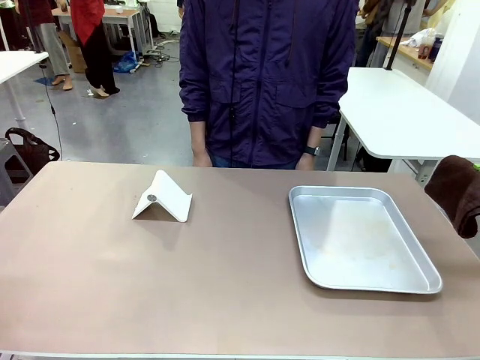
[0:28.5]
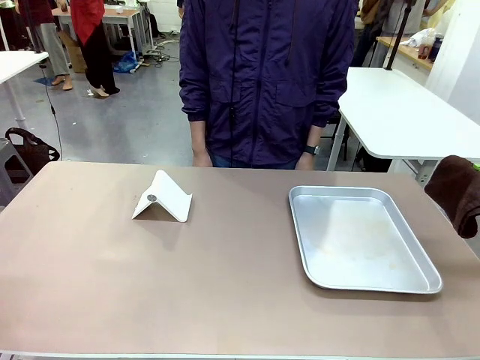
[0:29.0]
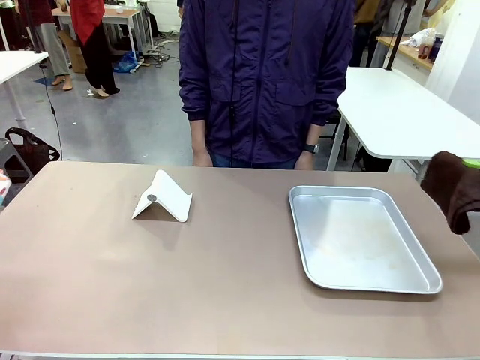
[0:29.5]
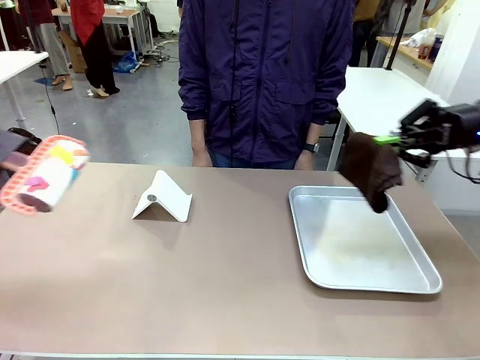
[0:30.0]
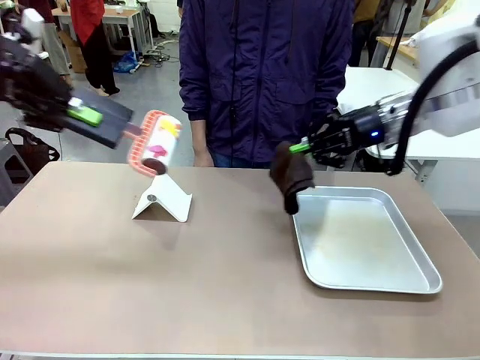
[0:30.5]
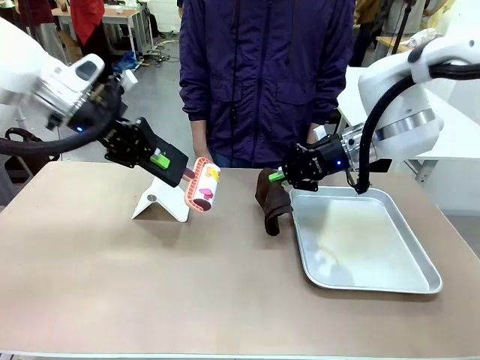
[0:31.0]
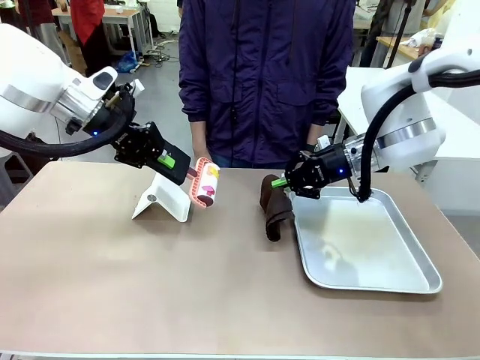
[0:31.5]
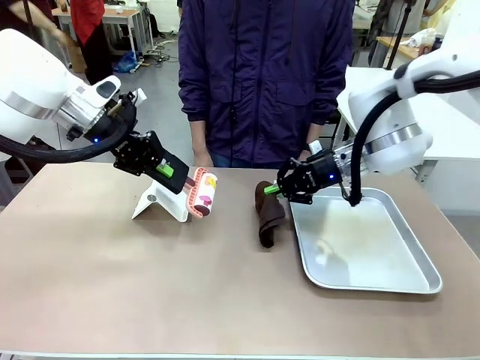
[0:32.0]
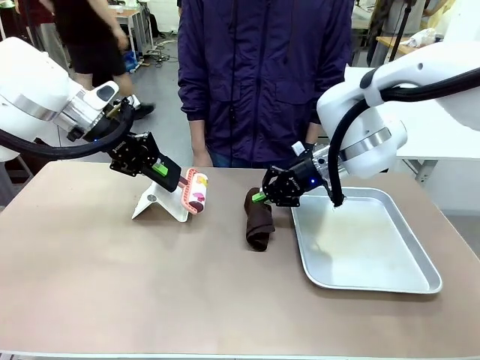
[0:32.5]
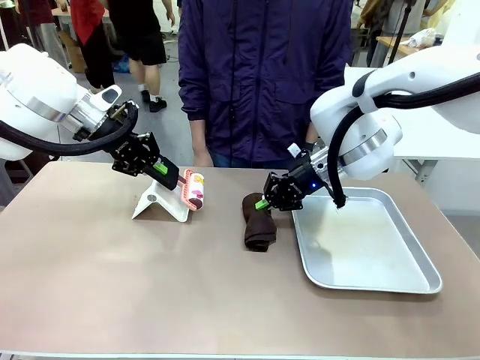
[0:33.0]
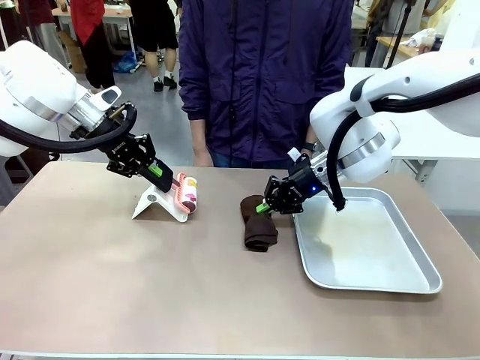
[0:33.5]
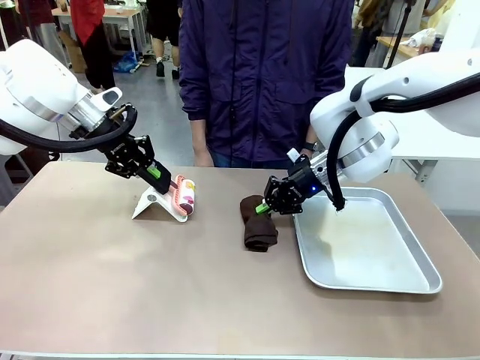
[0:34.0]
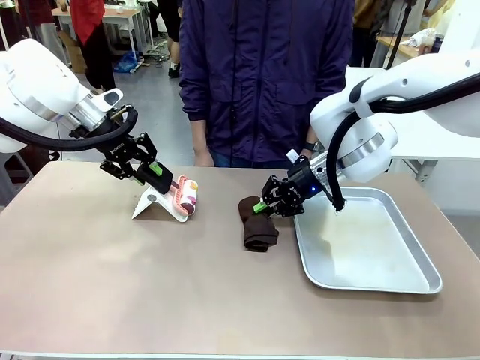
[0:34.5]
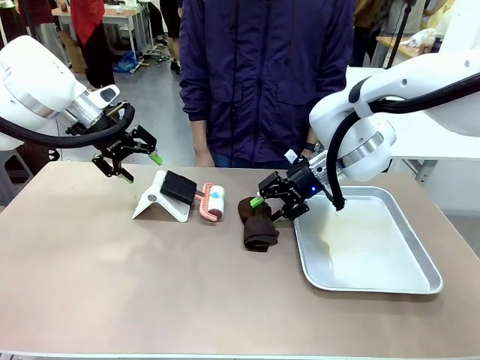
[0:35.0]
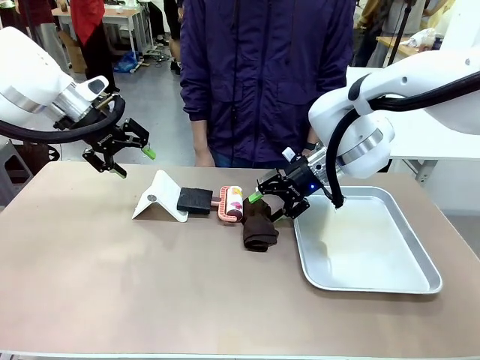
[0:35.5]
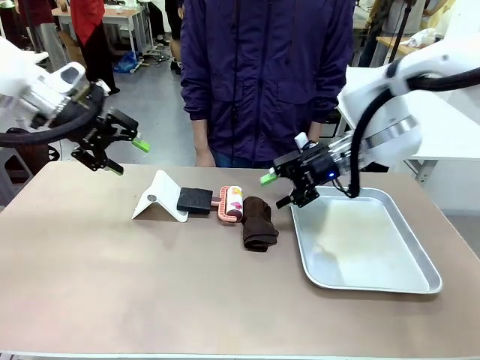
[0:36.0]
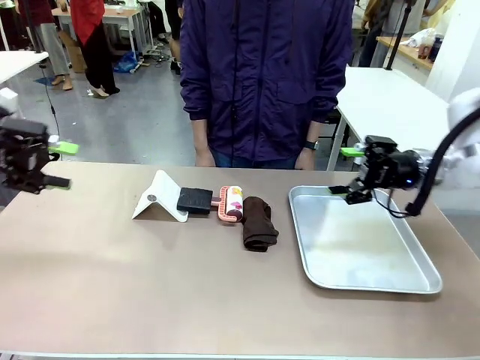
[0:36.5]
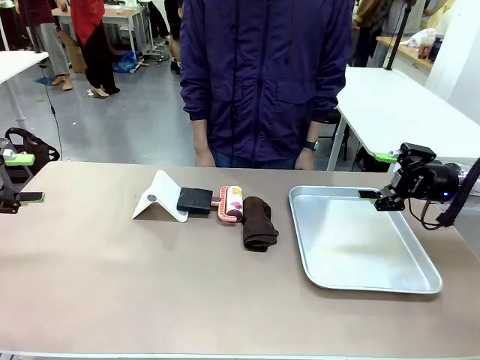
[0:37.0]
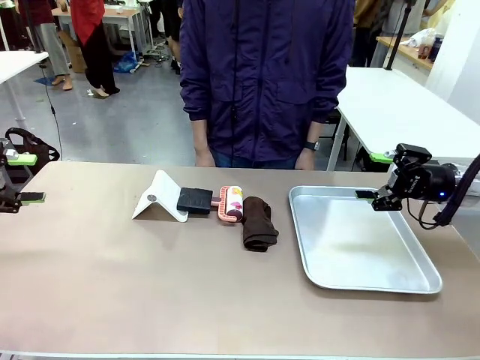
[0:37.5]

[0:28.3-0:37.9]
Task: Clean the surface of the table.
Robot: Return the Lint Roller and towel to their original positions.

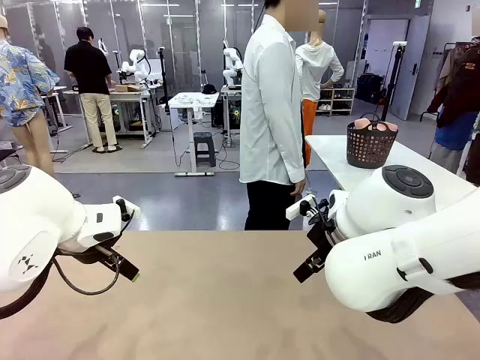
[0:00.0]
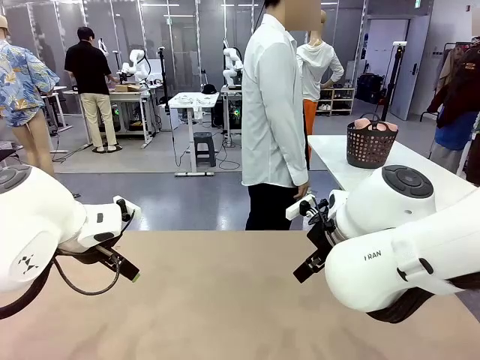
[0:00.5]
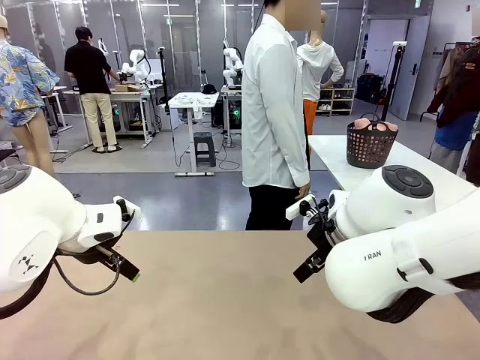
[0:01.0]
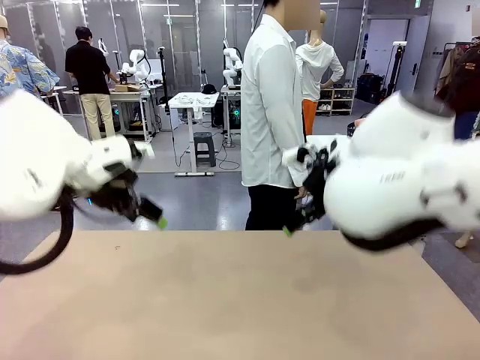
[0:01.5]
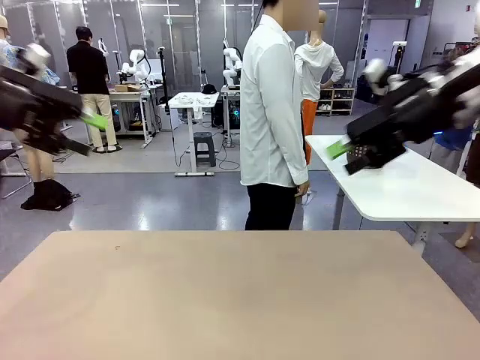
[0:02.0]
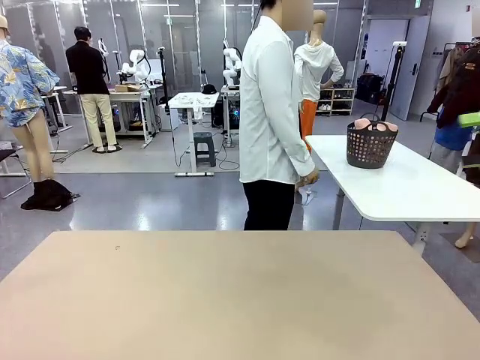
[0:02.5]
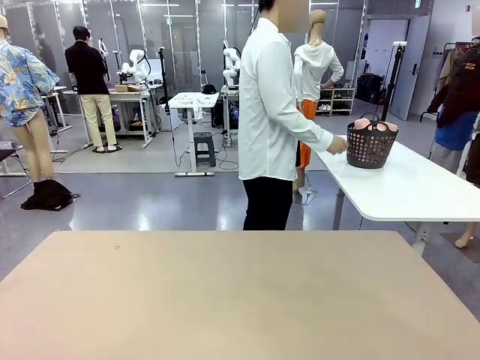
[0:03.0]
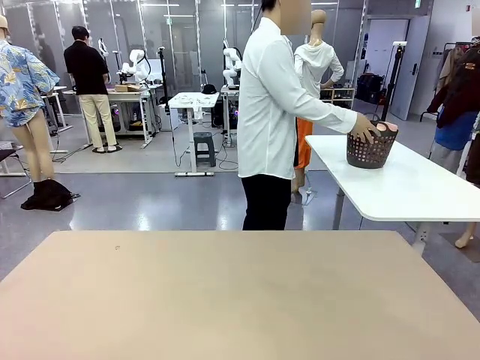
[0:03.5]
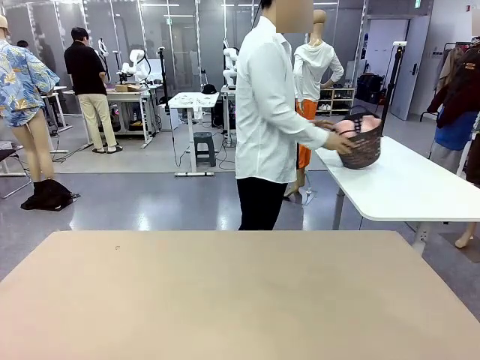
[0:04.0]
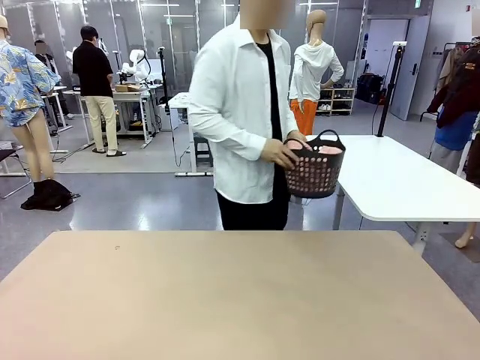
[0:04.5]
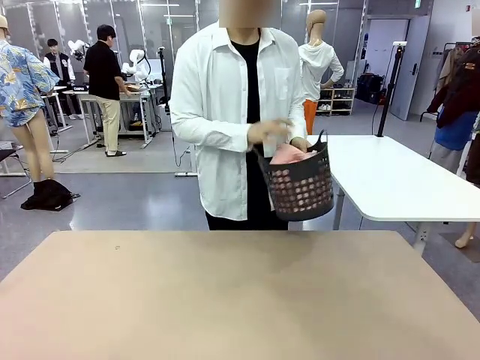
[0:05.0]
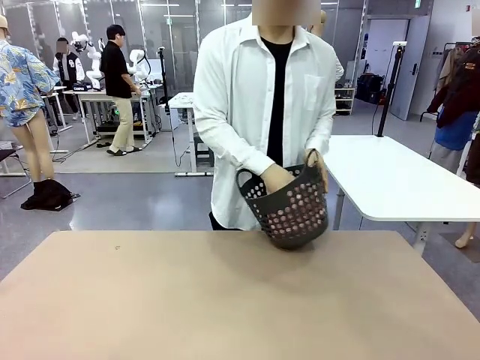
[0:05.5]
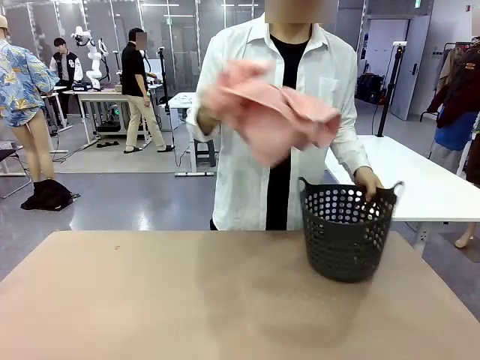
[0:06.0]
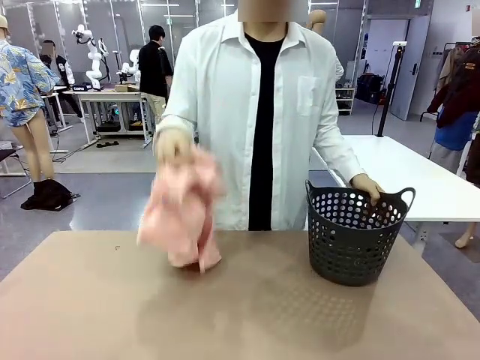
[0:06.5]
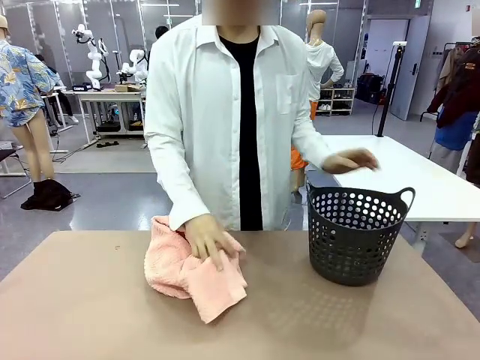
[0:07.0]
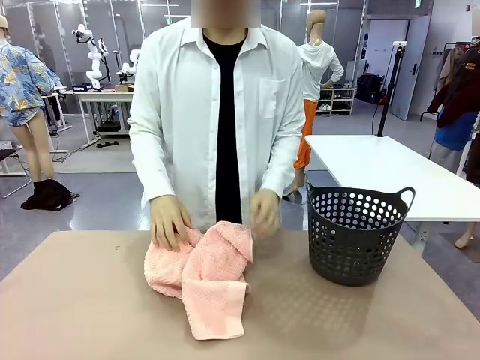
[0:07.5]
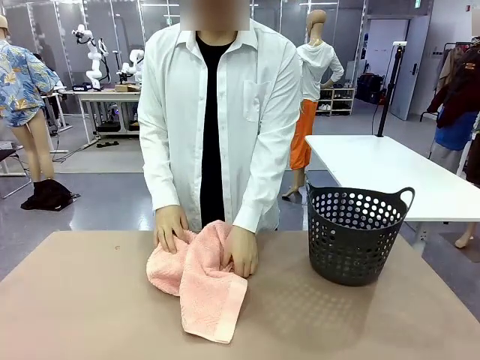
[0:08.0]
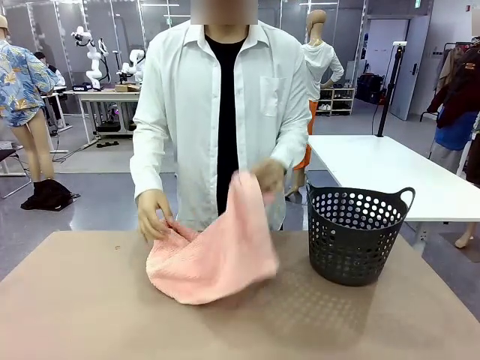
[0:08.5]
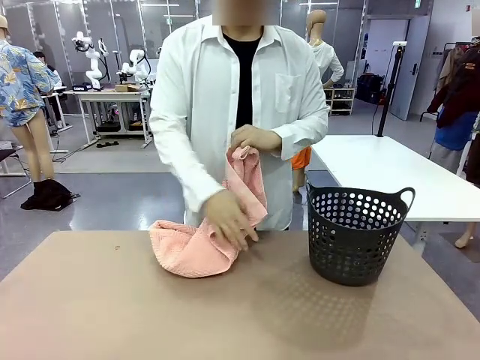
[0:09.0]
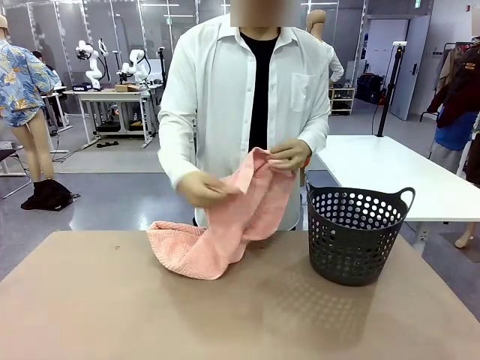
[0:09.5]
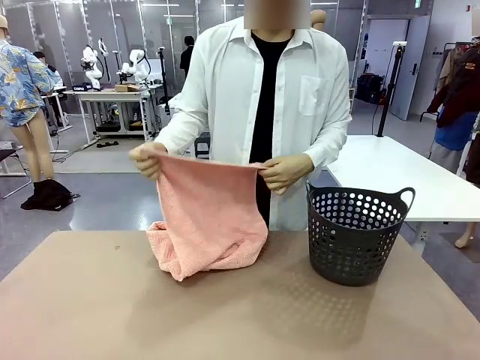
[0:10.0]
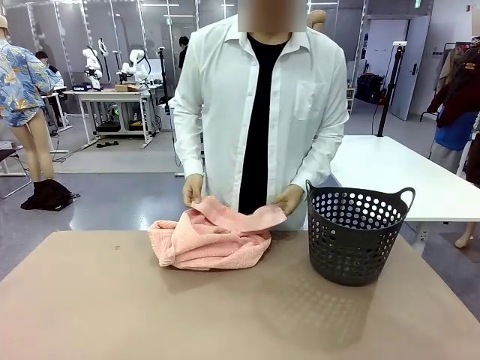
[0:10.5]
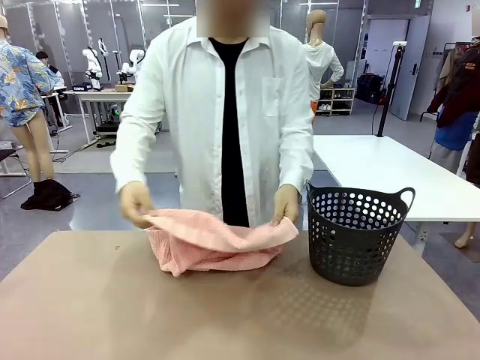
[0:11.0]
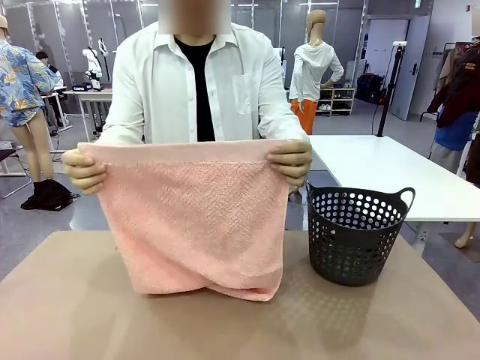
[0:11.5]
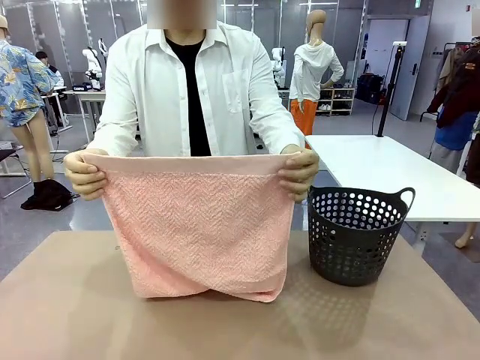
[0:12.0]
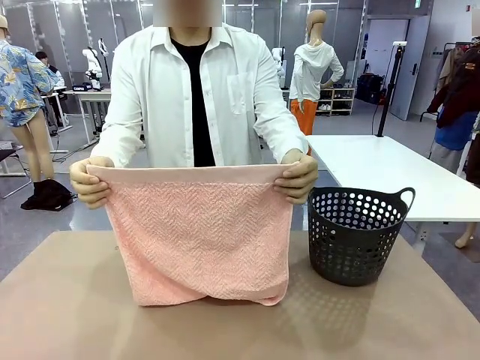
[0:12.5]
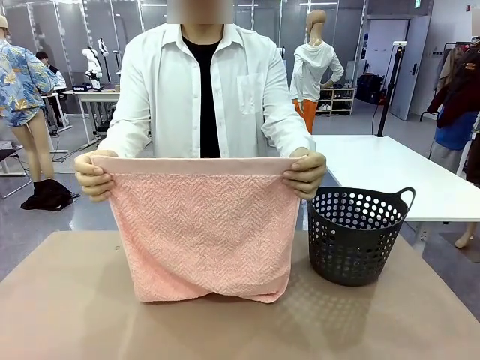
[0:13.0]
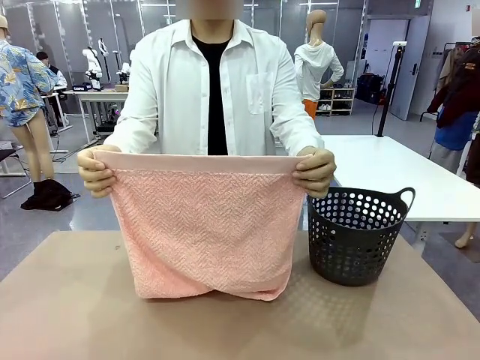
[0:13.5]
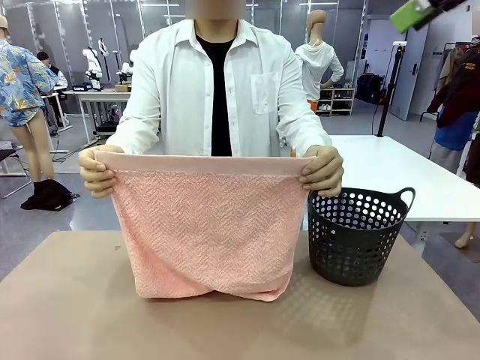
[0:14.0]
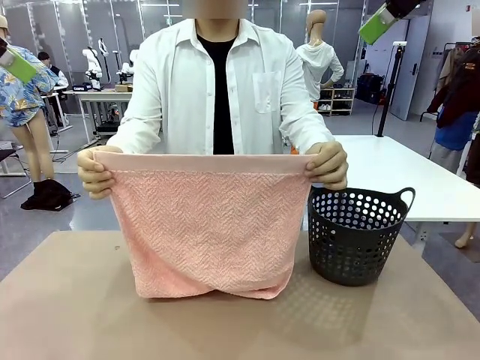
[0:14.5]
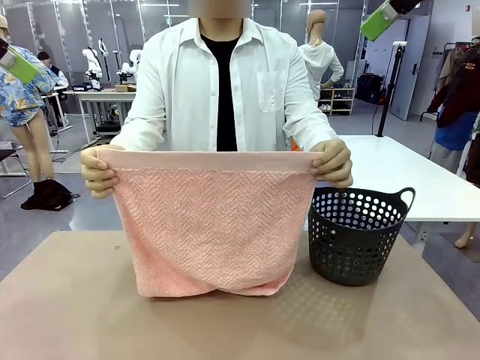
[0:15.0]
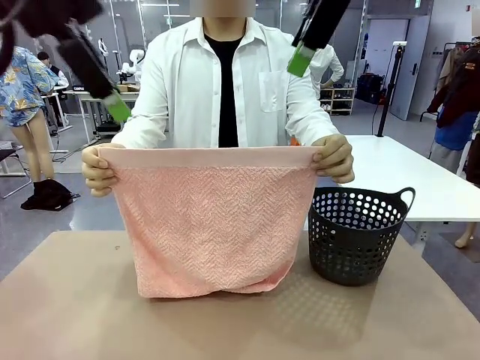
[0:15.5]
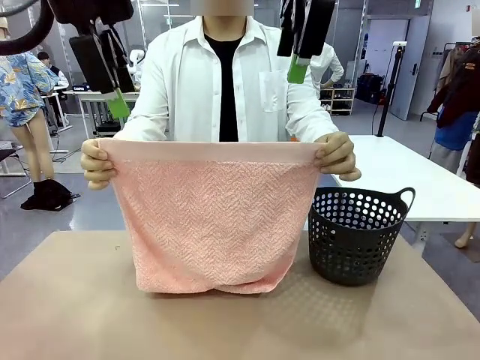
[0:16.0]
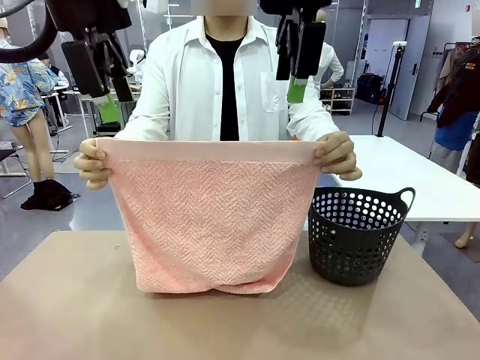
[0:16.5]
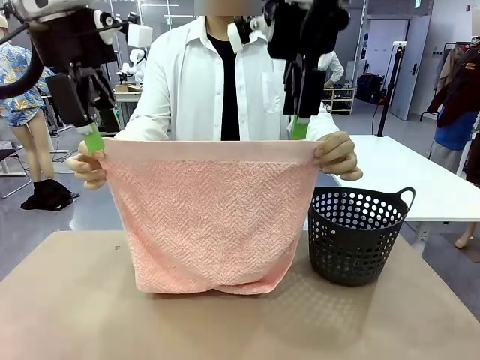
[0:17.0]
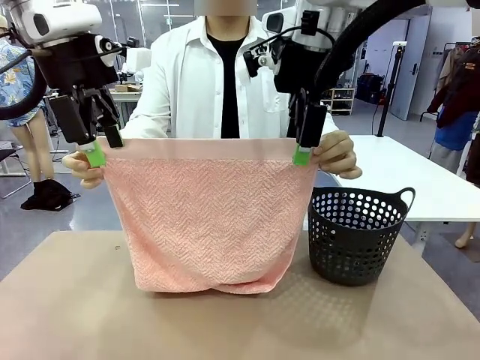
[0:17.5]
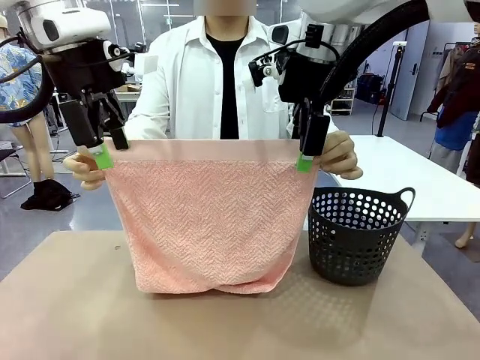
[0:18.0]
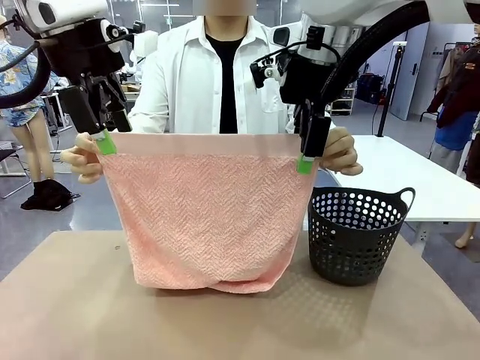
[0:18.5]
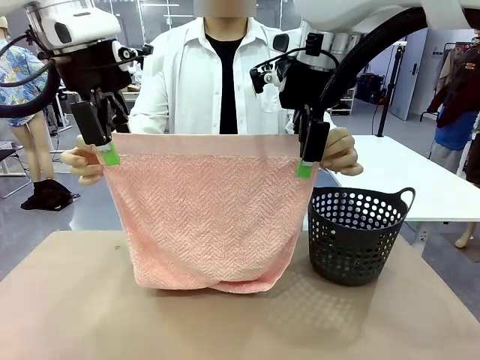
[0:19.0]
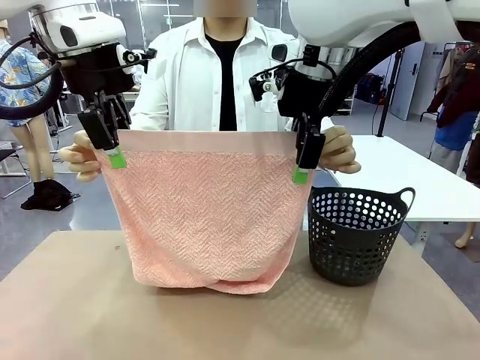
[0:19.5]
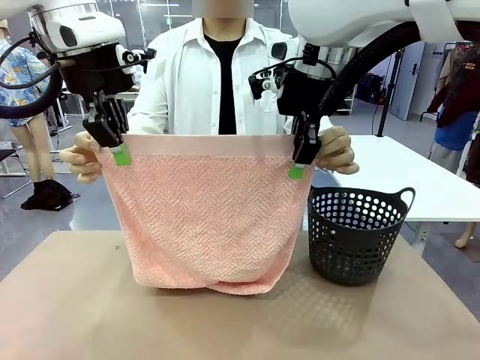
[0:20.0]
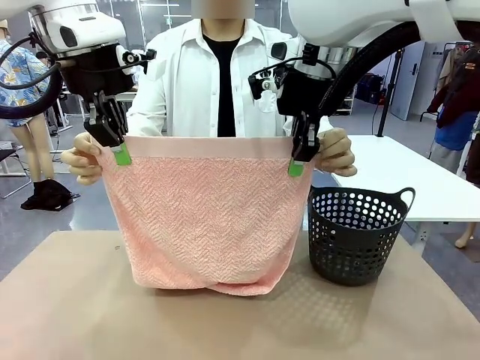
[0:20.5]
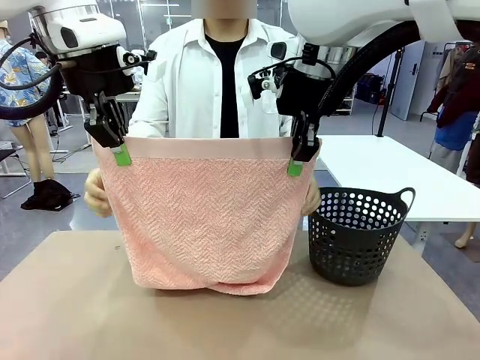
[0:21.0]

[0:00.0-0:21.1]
Task: Fold the towel.
Robot: Grab the top end of the 100 cm Hotel Towel extended by the human.
Person: Pick up the laundry basket, place it on the left side of the robot table, then take out a towel and hand it to the robot while holding both corners of one end.
